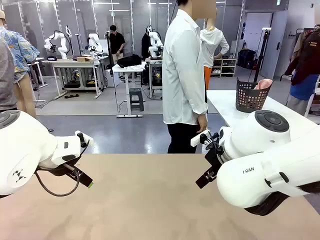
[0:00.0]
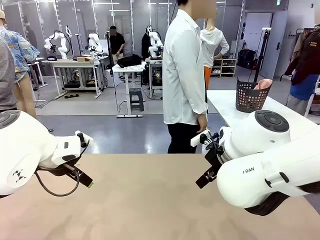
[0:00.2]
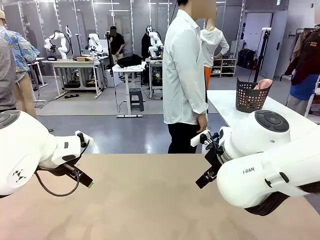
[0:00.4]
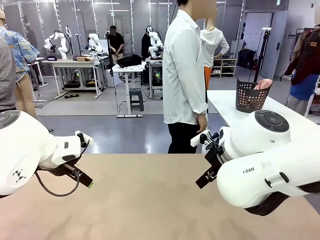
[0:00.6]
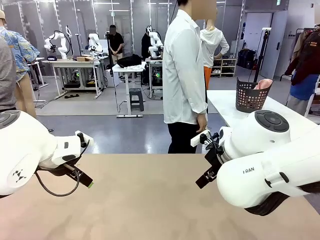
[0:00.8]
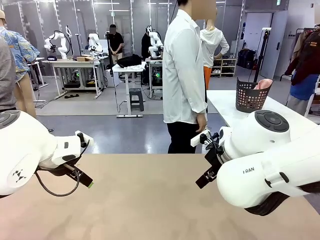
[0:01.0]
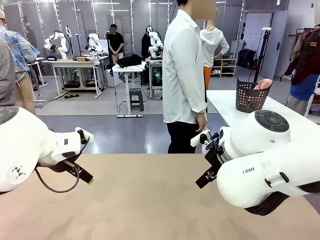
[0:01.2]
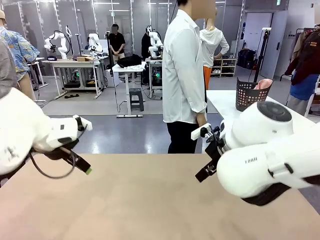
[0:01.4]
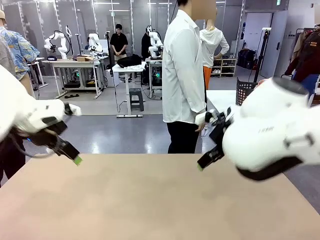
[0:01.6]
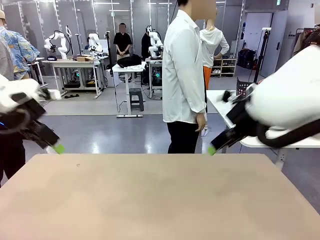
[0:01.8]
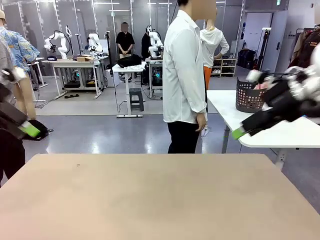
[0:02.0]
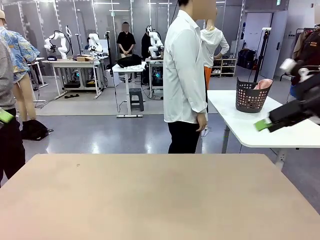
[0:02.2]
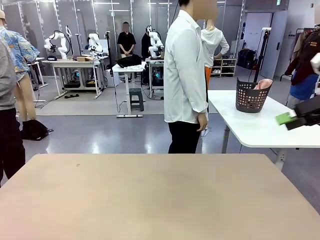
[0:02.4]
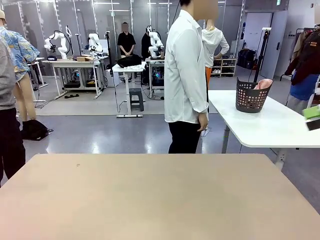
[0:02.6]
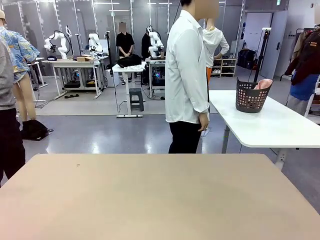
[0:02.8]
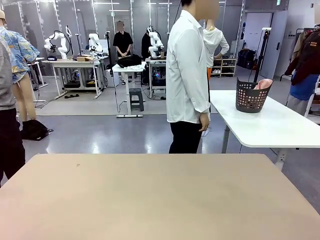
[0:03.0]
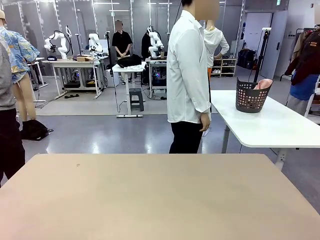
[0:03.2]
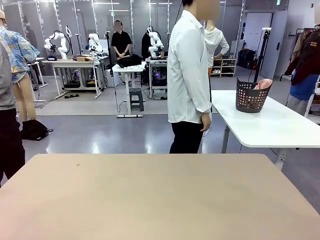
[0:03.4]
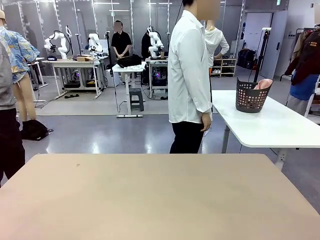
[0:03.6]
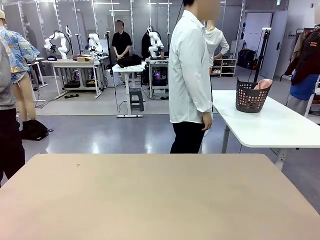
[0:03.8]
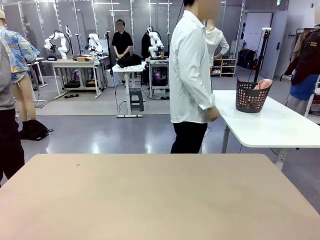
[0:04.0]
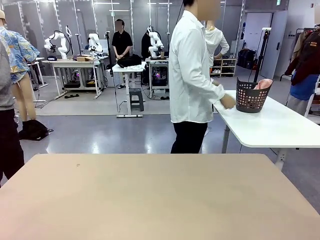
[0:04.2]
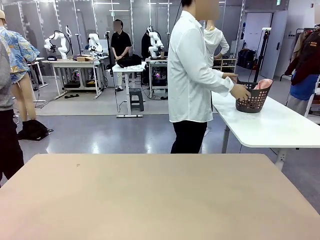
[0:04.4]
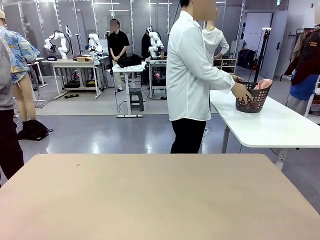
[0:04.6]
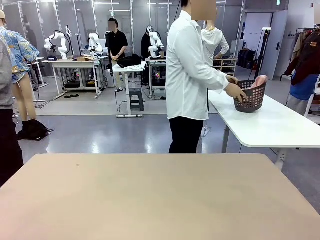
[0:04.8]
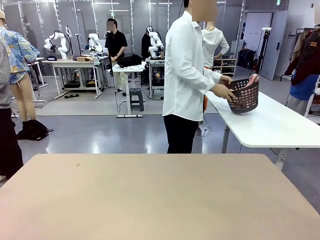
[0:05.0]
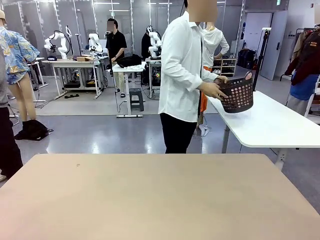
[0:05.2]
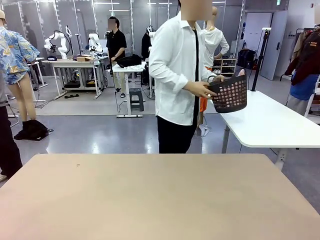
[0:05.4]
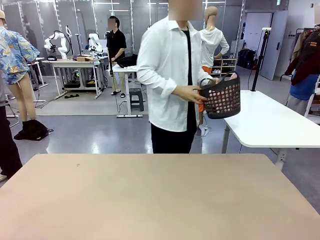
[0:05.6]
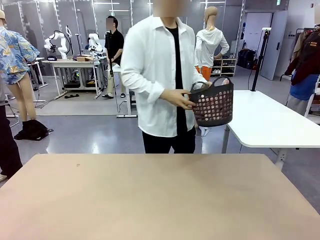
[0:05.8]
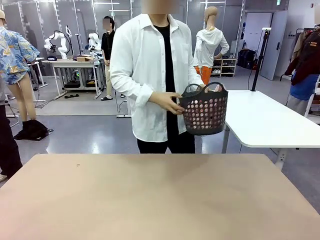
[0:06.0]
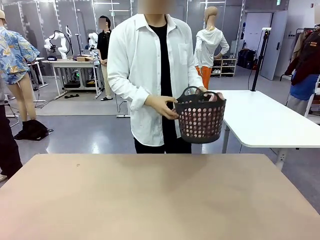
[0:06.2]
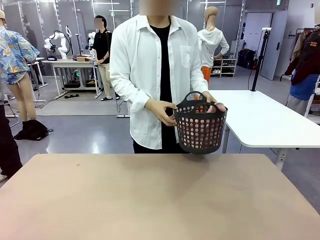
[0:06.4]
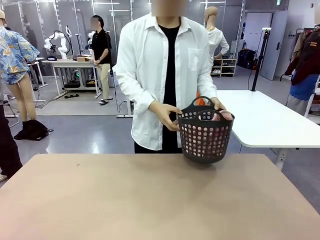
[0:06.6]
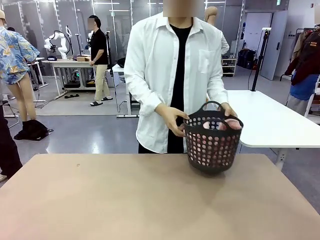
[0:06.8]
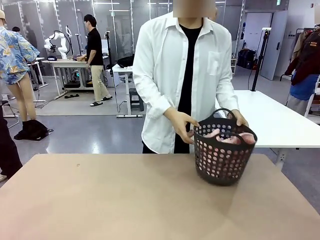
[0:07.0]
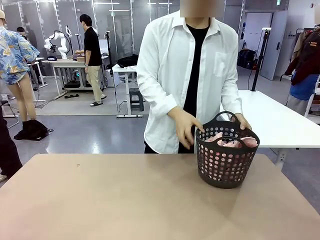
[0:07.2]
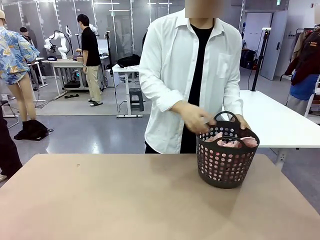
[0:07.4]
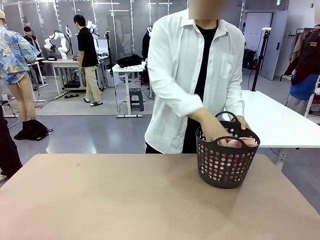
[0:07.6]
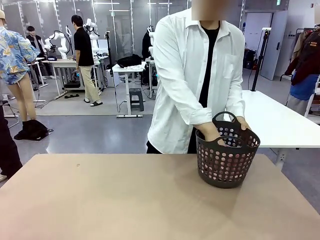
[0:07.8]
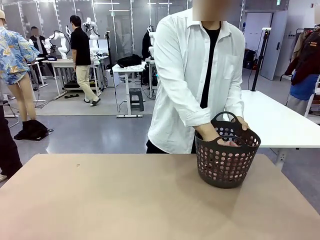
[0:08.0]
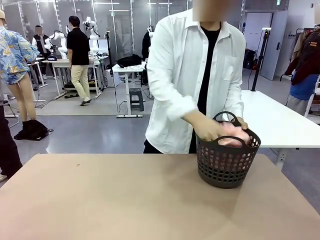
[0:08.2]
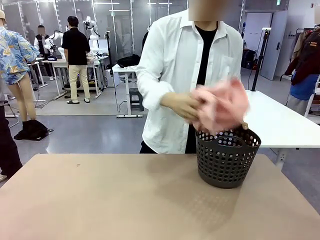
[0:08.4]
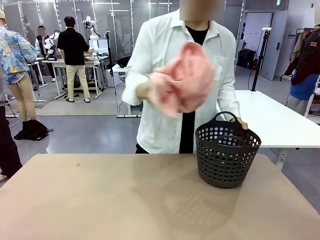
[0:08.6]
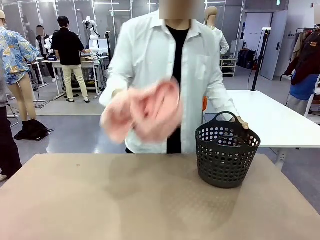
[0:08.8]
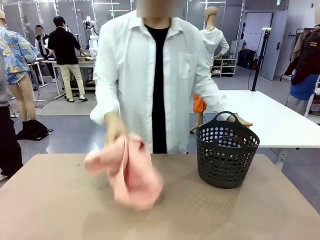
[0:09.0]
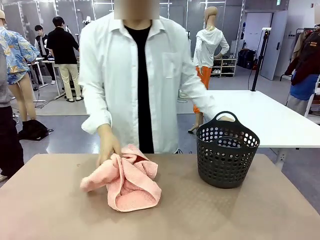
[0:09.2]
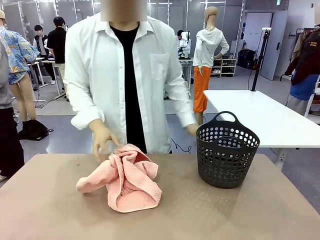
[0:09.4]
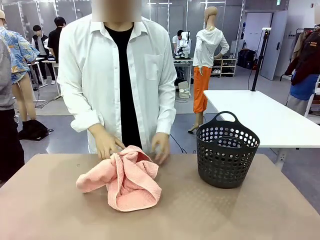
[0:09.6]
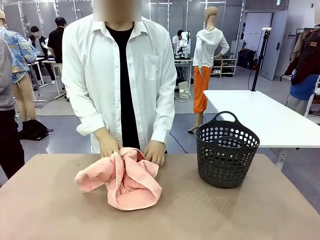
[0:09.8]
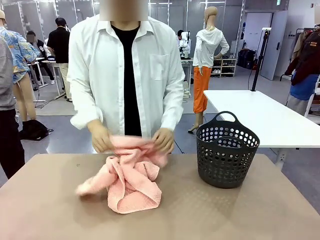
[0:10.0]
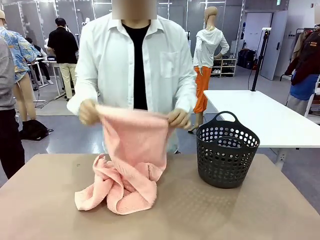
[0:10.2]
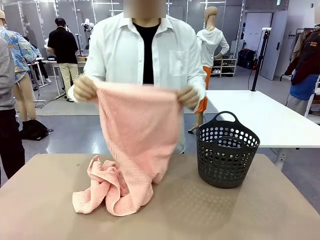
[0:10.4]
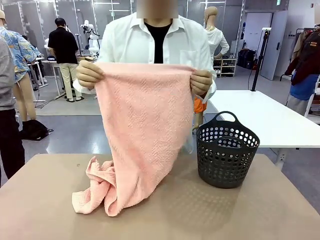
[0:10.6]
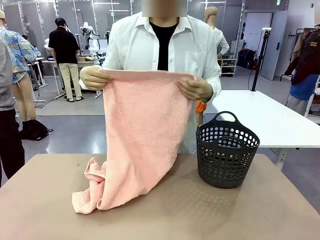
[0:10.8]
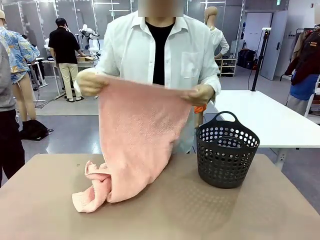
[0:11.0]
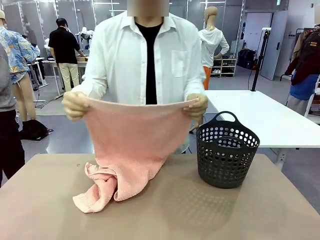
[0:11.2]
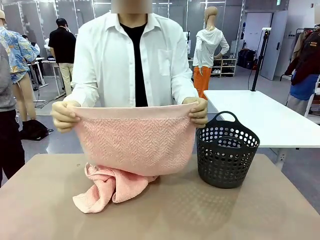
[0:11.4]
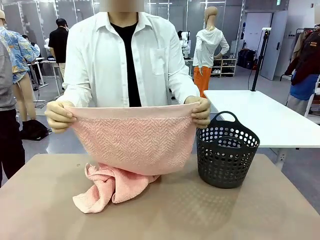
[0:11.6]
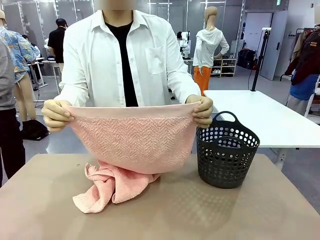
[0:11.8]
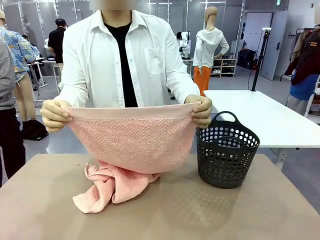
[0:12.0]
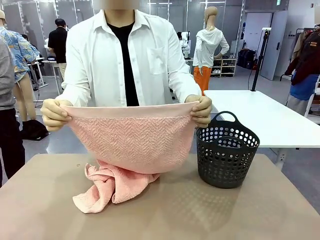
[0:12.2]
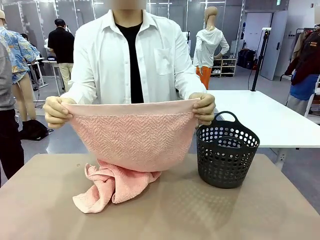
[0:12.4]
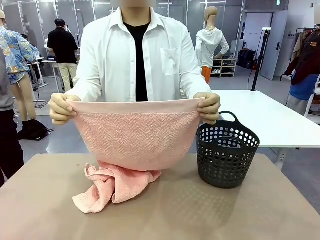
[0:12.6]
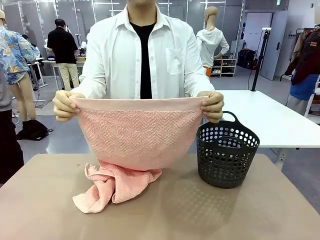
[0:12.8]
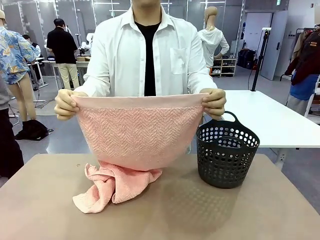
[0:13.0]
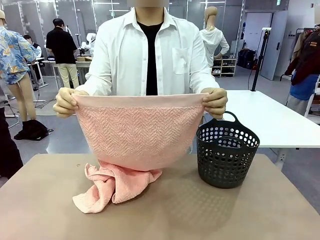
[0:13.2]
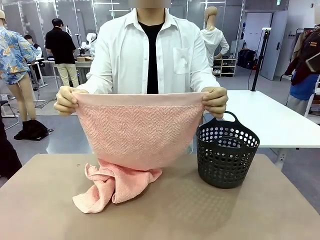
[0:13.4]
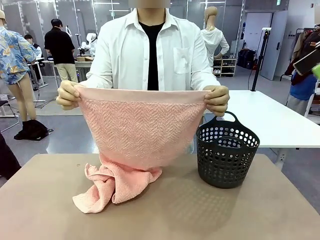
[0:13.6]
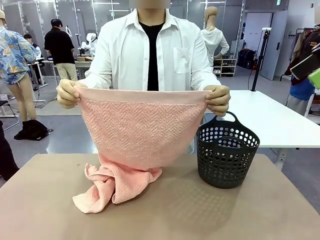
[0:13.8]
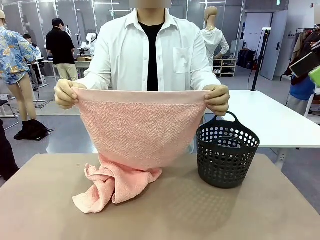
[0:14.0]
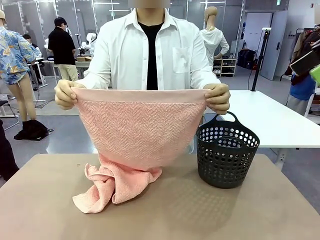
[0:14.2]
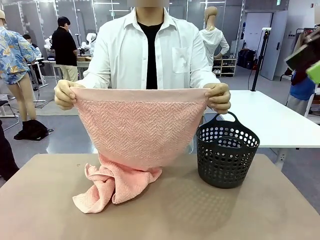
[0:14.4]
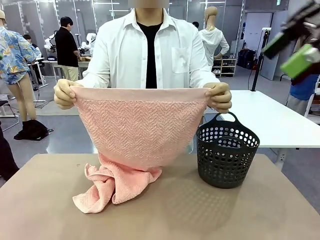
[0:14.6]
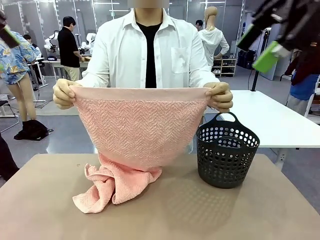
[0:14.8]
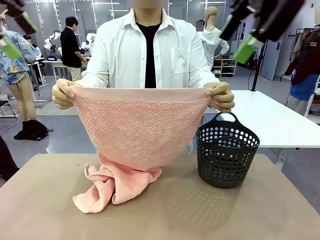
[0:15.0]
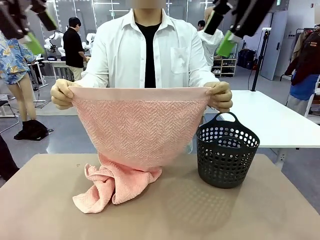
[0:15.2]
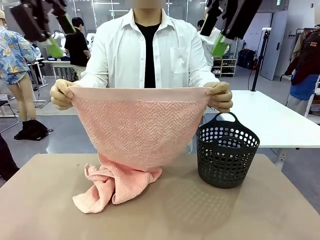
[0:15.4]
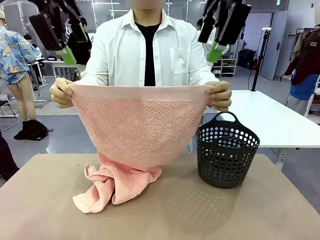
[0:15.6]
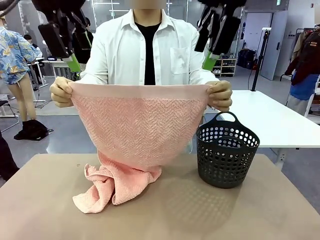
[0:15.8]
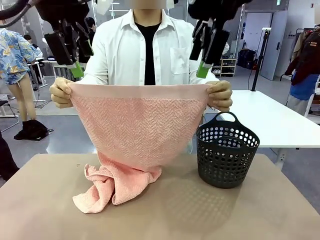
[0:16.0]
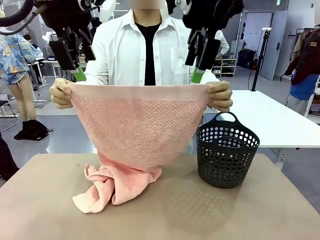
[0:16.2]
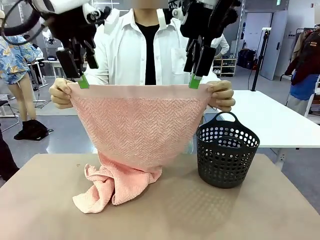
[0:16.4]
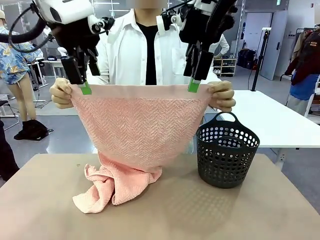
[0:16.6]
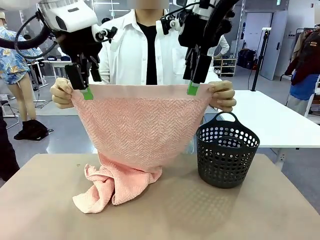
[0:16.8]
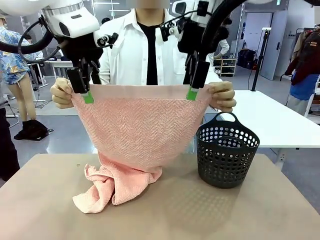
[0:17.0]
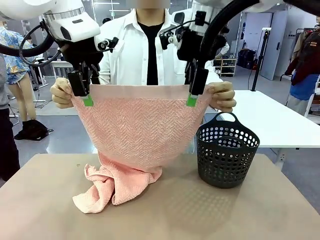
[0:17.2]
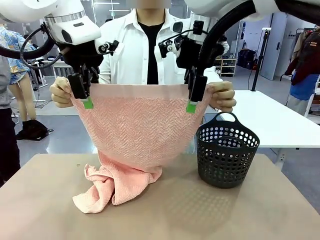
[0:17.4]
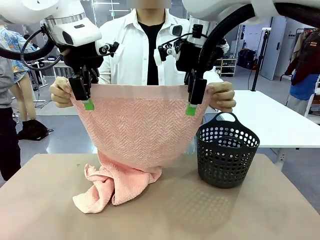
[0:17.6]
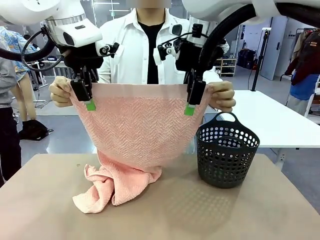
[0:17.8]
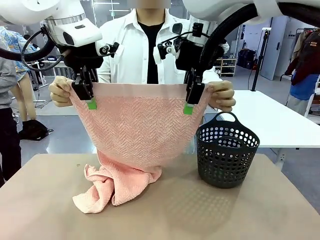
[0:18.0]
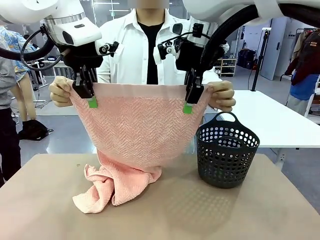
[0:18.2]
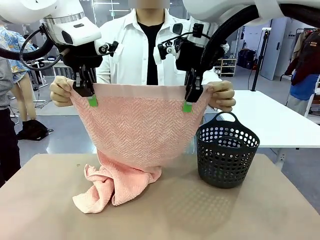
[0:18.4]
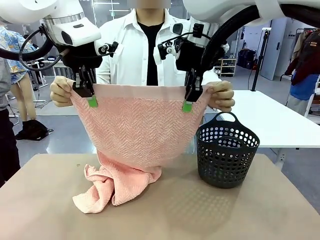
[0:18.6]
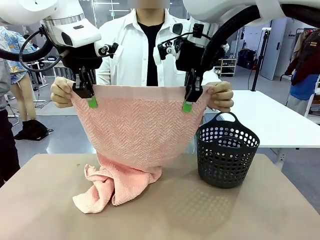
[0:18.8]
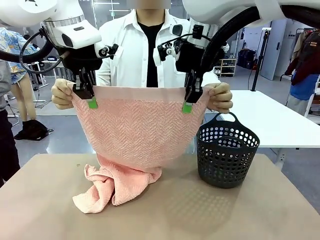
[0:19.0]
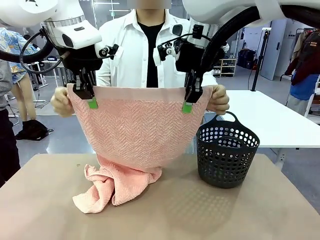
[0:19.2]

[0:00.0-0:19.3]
Task: Fold the towel.
Robot: Grab the top end of the 100 cm Hotel Towel extended by the human.
Person: Pick up the laundry basket, place it on the left side of the robot table, then take out a towel and hand it to the robot while holding both corners of one end.
